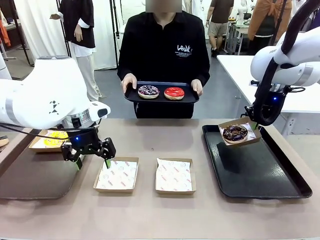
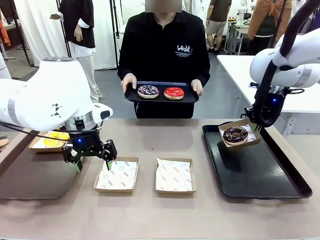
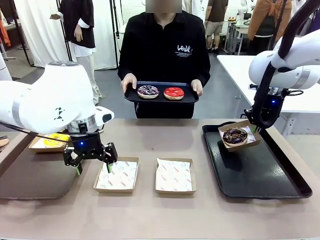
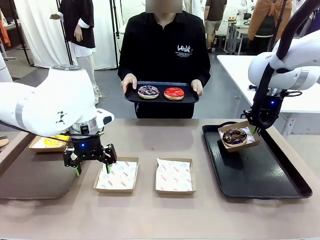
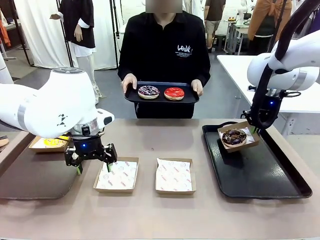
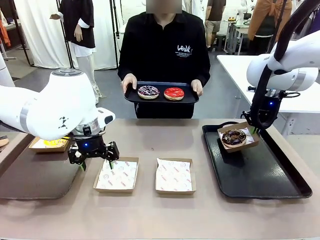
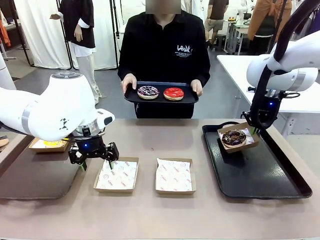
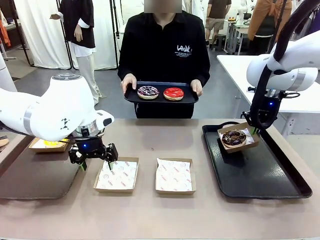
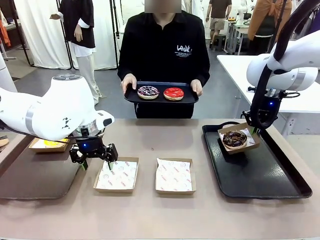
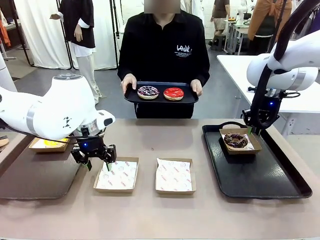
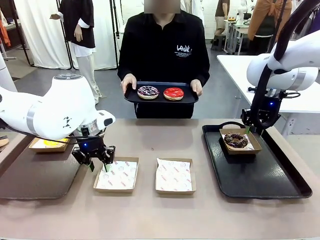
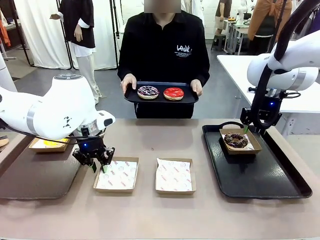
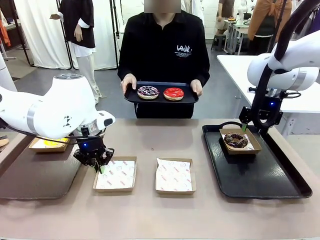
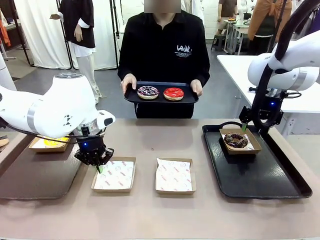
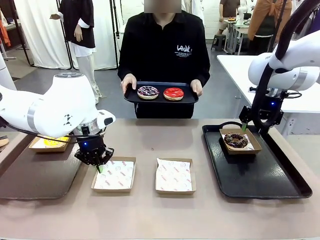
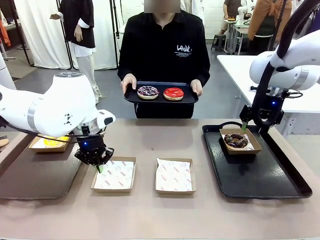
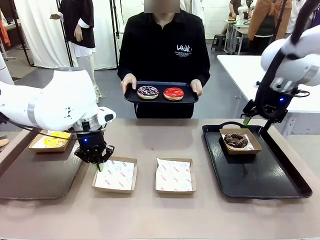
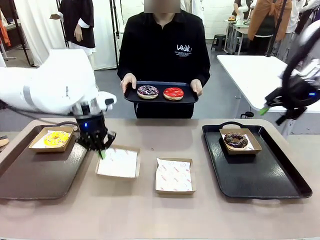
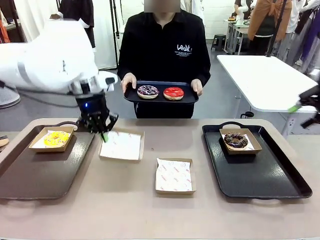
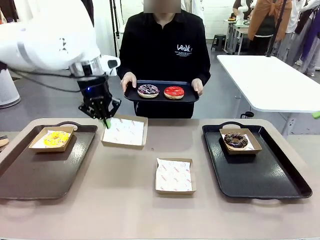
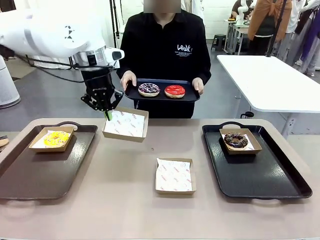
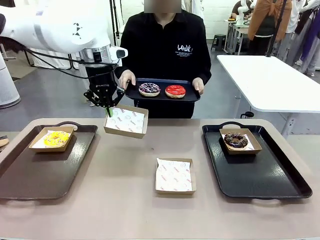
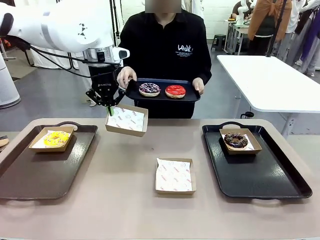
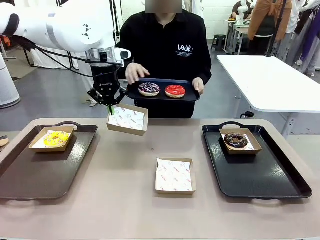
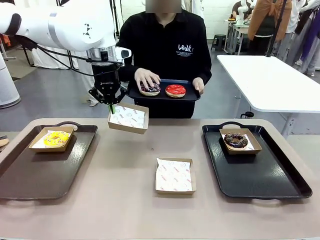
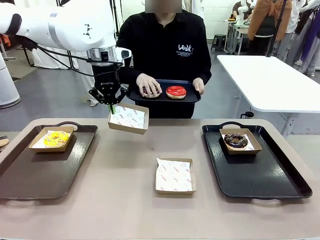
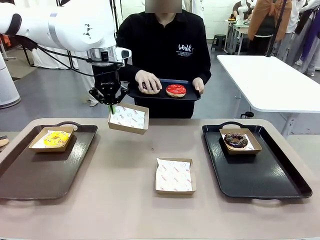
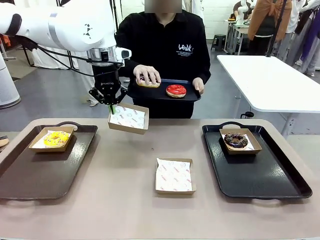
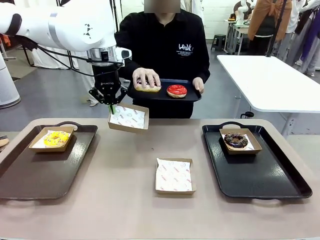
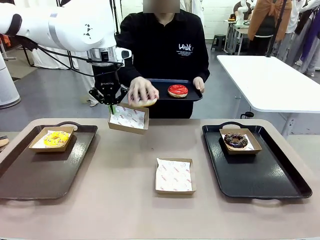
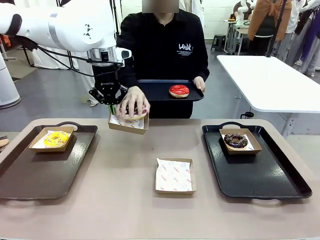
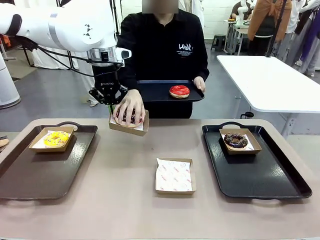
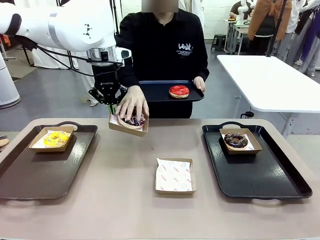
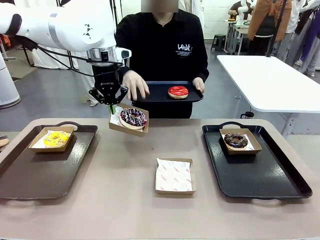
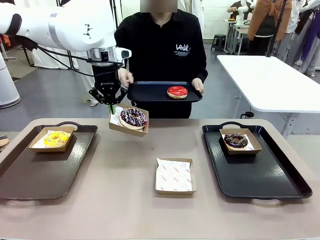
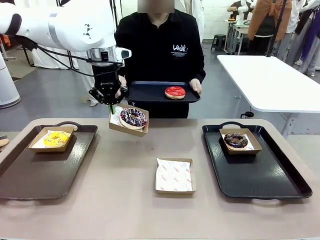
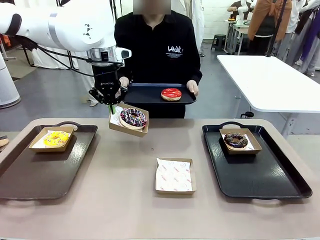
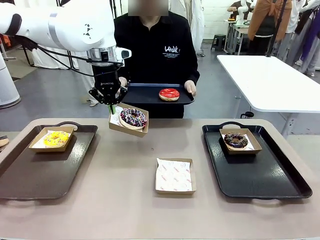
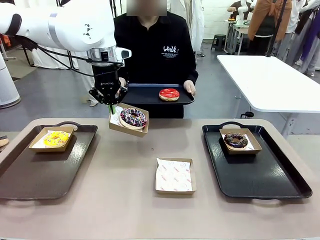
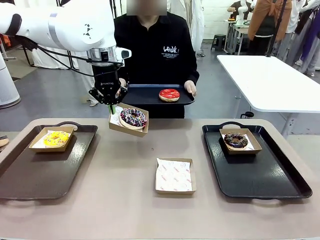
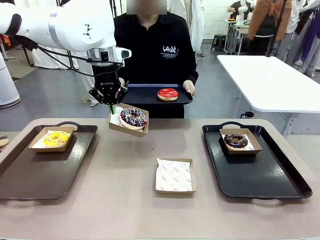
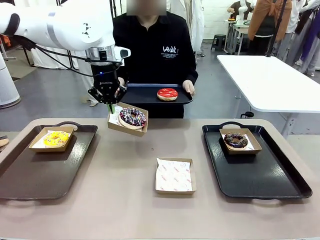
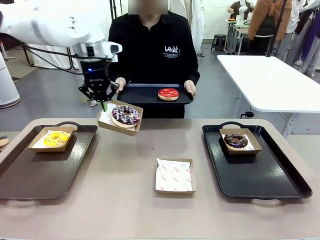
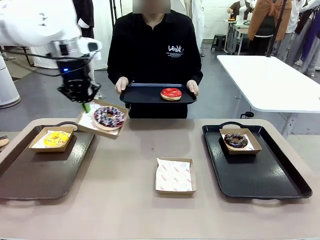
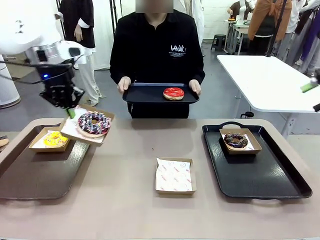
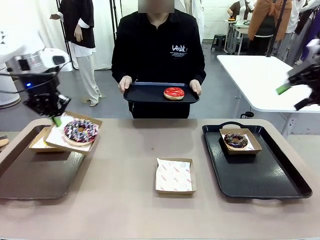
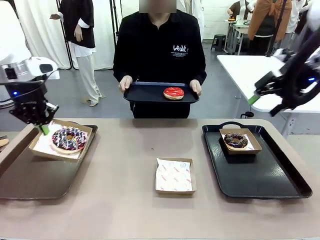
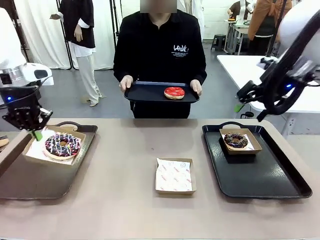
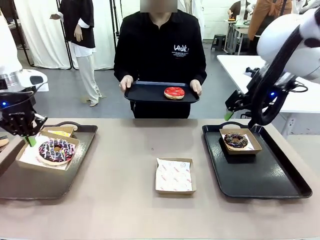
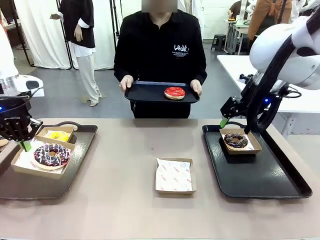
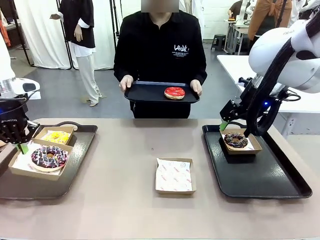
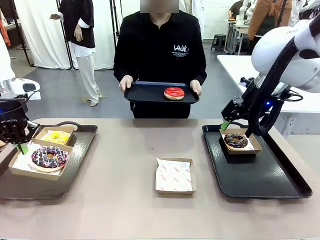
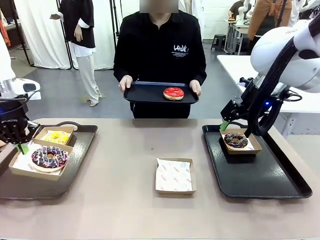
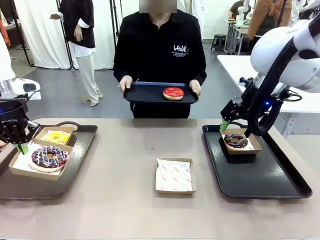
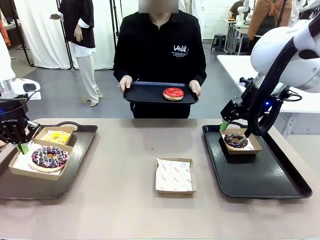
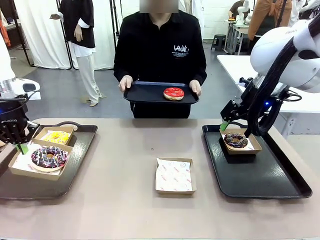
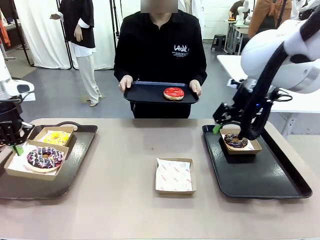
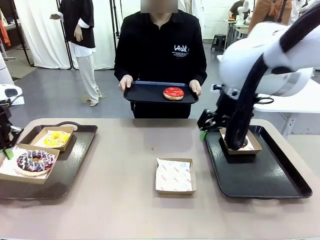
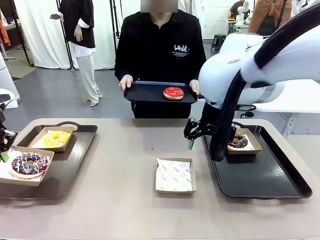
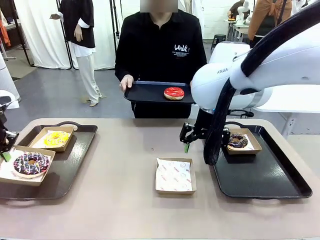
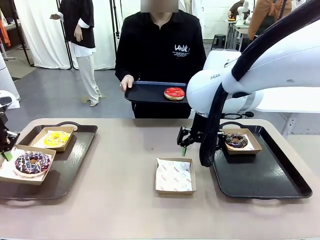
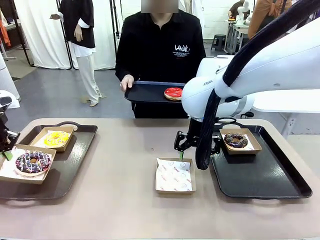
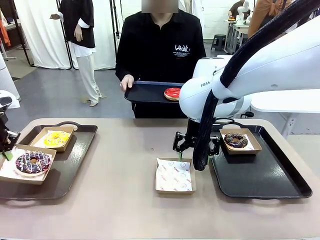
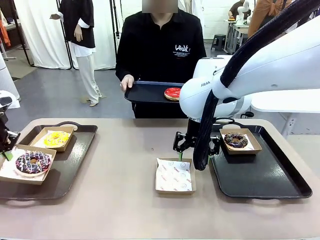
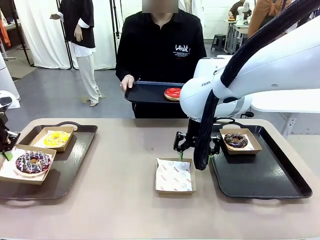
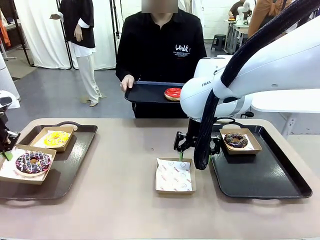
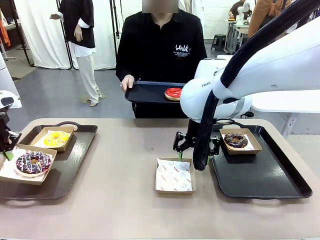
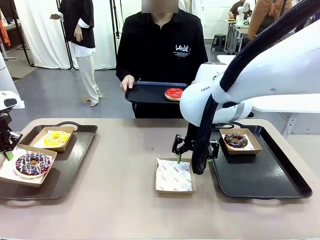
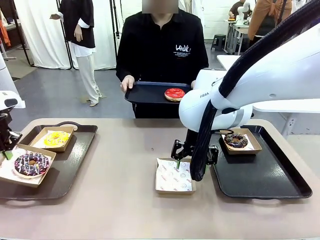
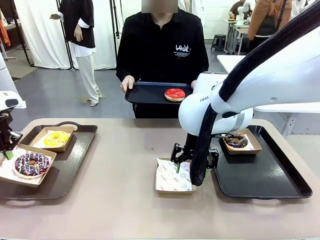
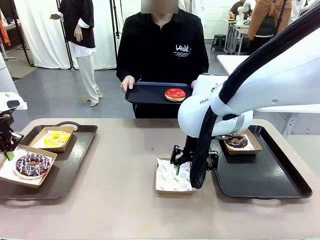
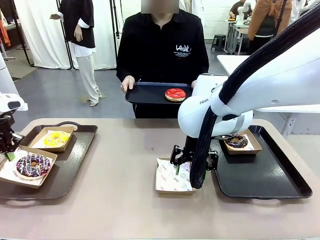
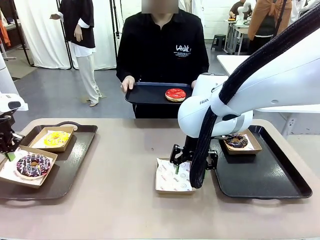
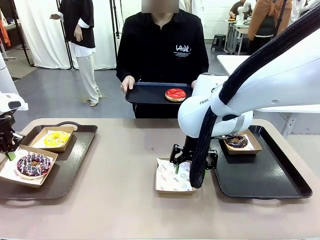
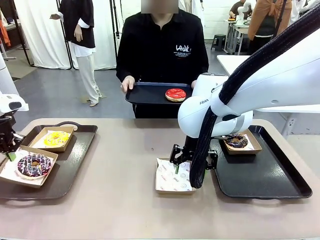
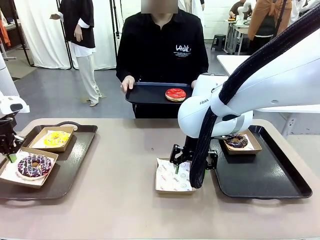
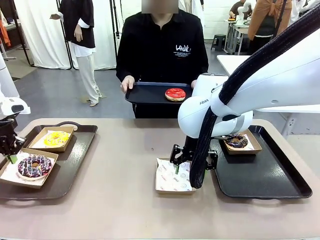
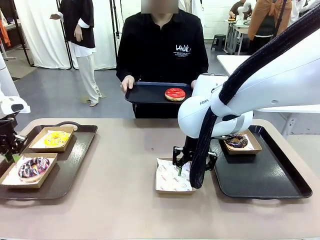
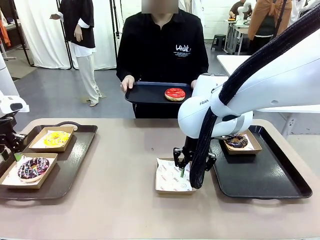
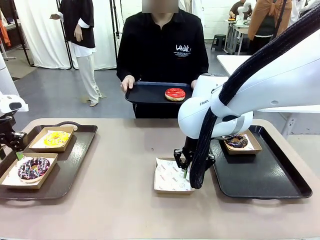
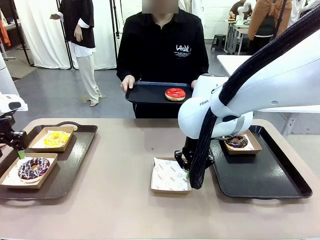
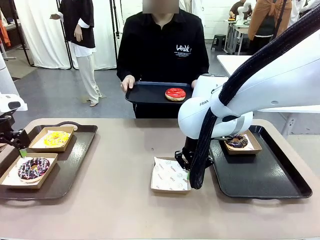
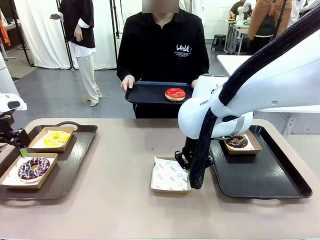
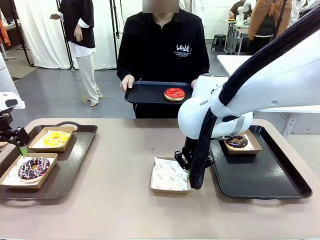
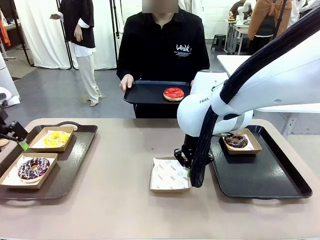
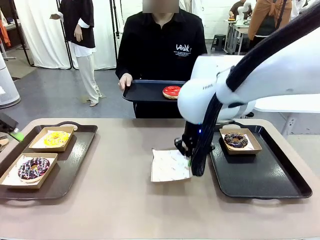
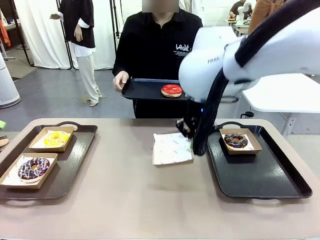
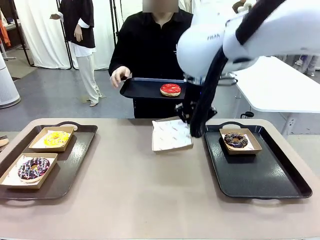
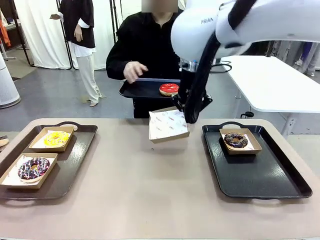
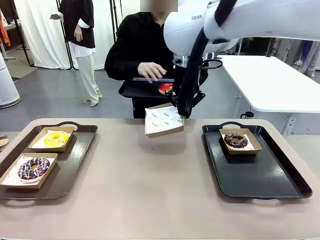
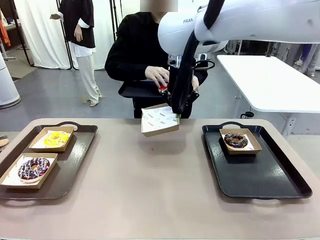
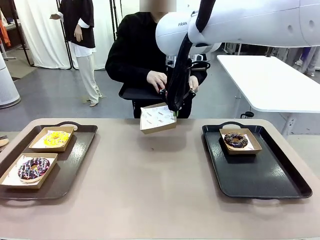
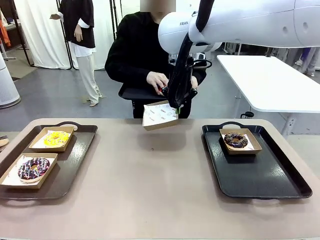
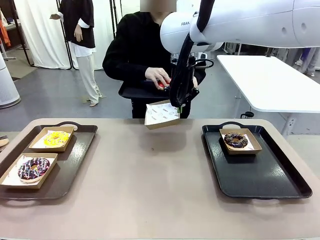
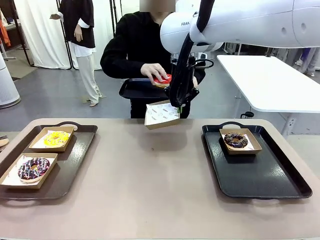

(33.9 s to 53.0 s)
Task: Individually package the donuts and arrange them on the tray.
Robot: Place the picked Paper togo box on the Handle tray while simultaneously picking up another Paper togo box from the table with the other hand.
